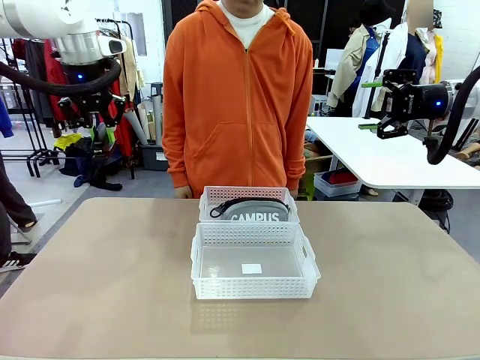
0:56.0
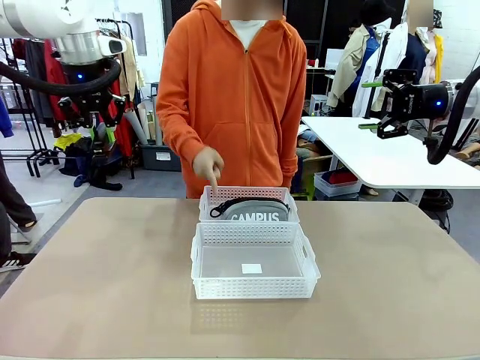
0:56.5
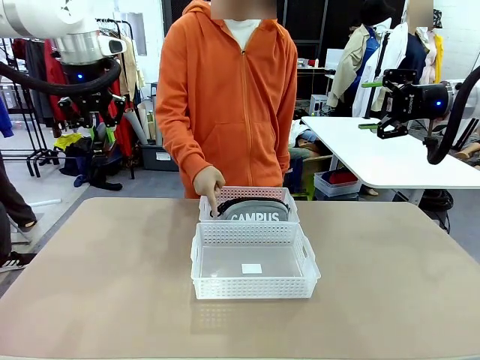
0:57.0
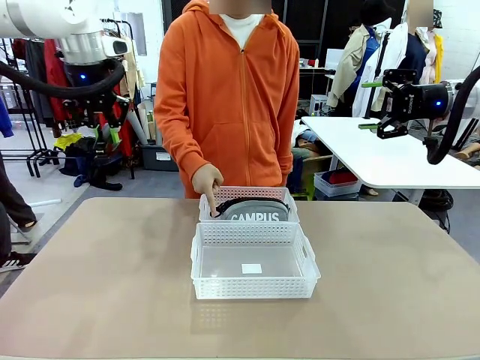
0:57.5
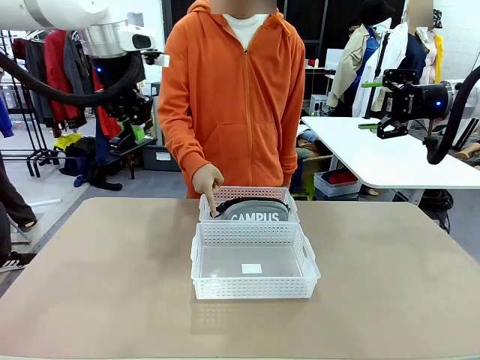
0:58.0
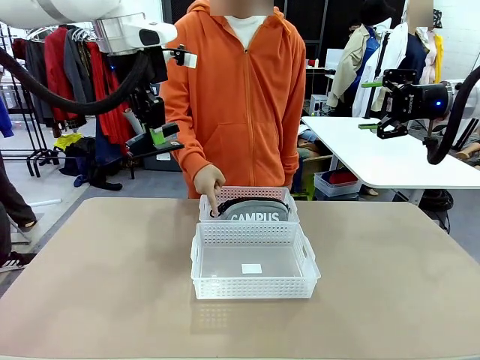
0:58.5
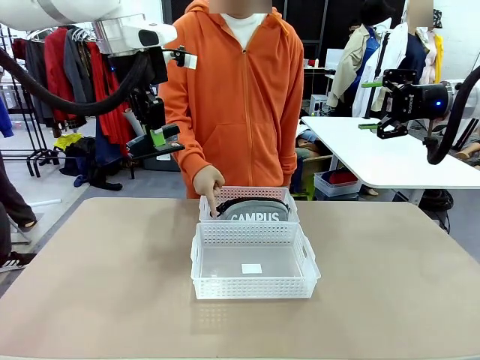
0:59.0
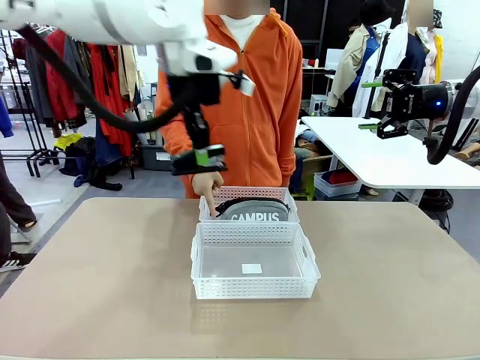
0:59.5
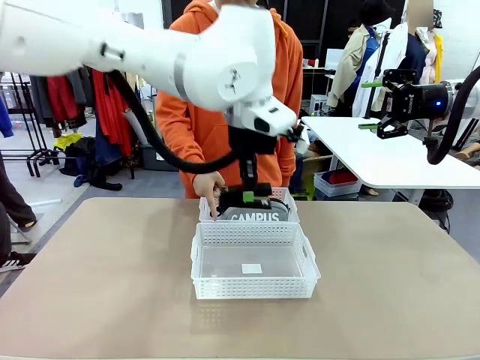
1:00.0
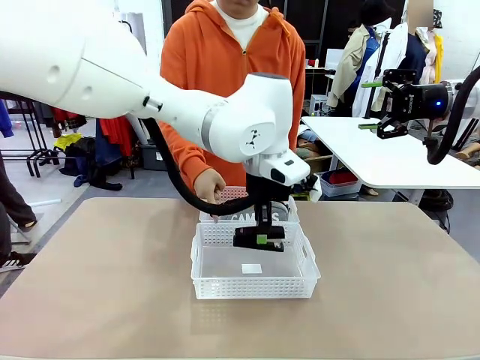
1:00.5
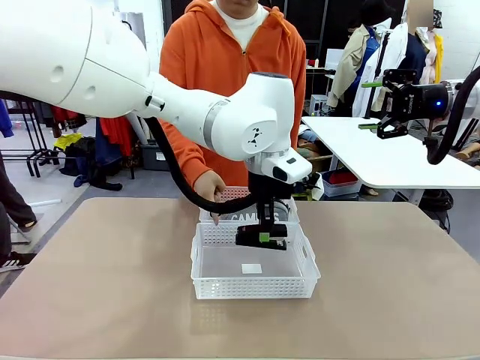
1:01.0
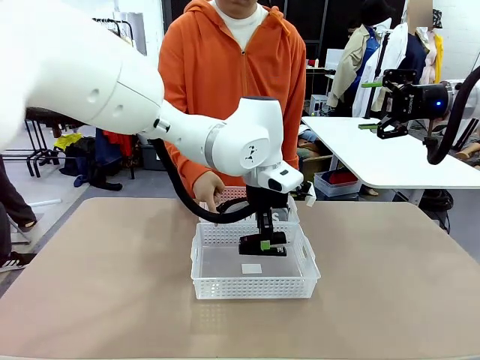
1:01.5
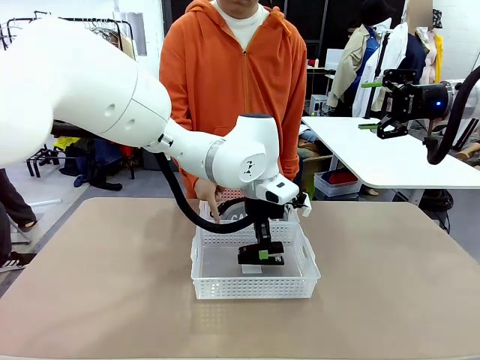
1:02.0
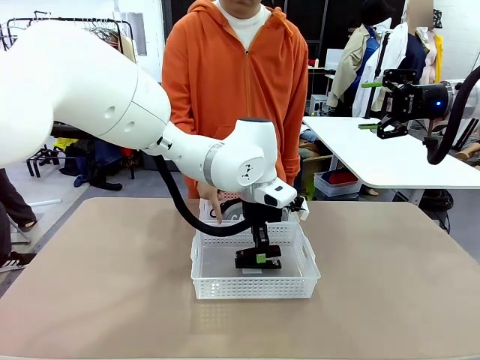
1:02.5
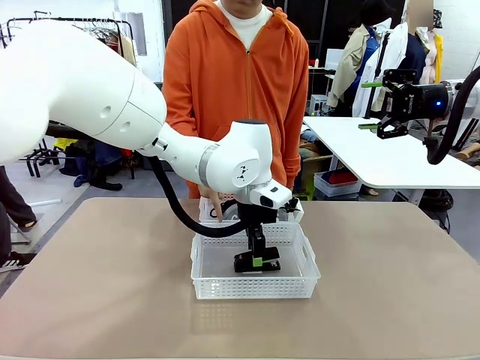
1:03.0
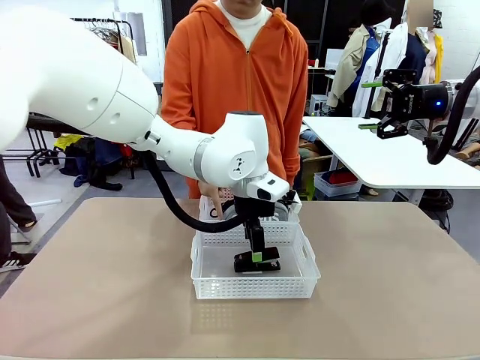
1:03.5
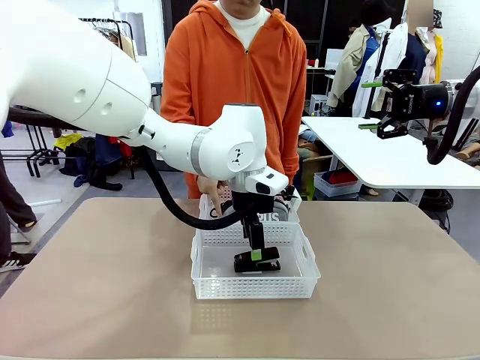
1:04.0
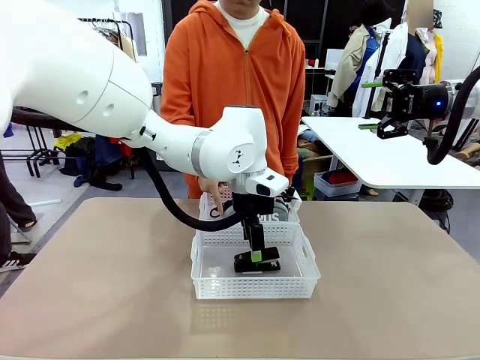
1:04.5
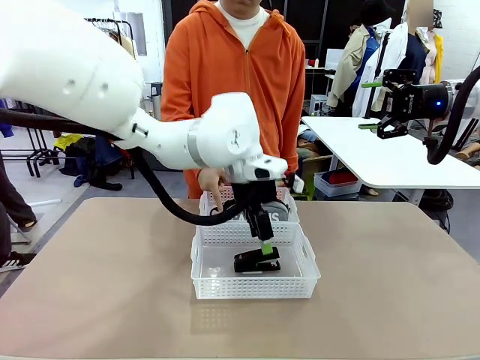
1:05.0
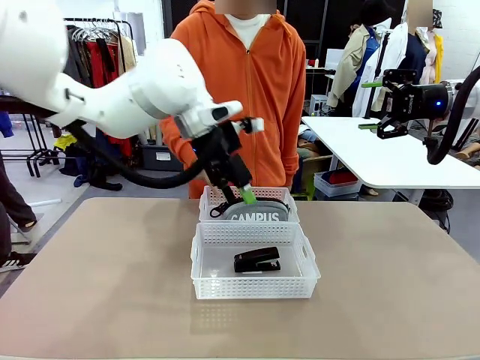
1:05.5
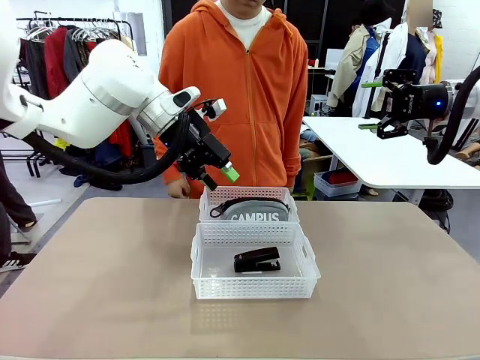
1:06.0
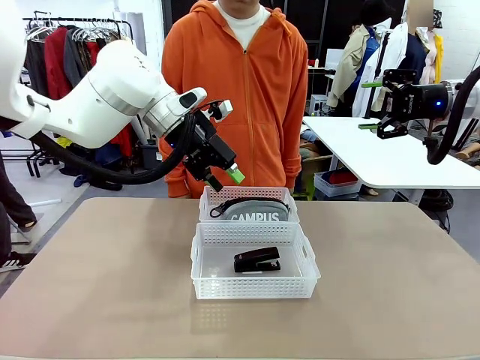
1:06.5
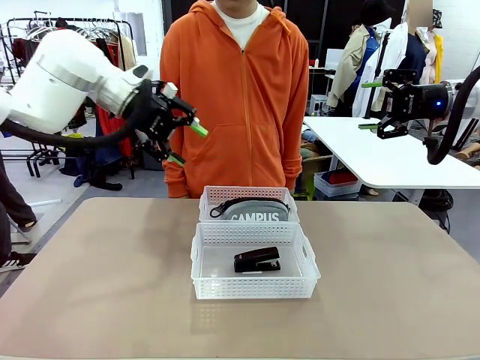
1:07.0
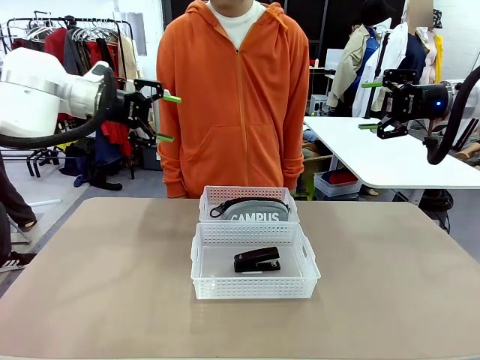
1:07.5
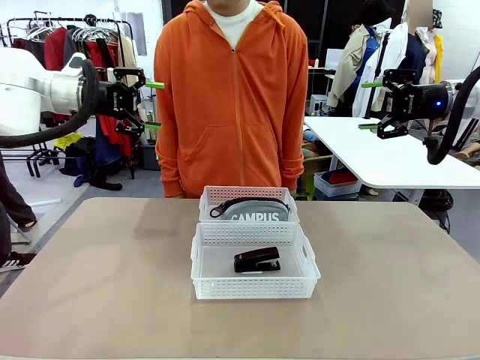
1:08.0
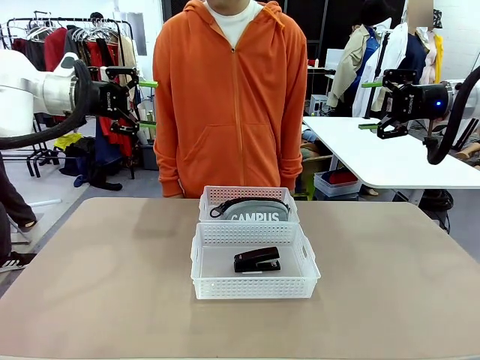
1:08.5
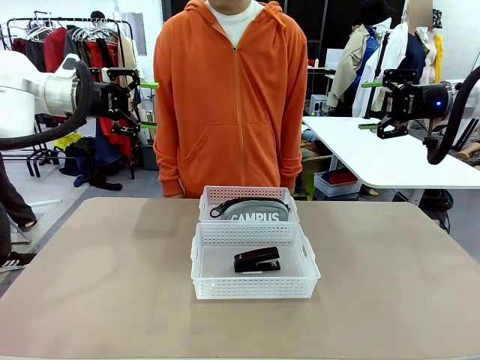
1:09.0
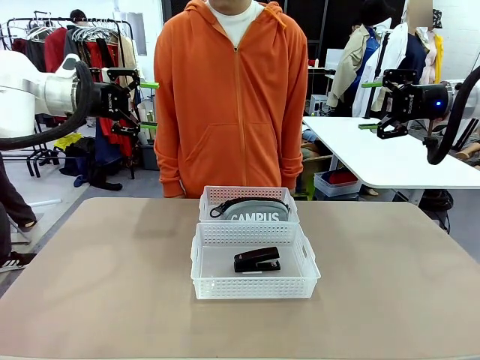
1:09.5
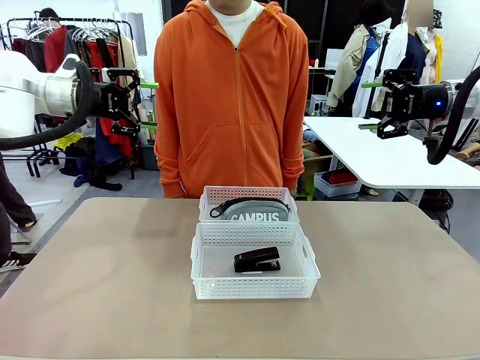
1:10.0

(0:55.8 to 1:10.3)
Task: Distribute items into two baskets.
Robot: Place the picked Stapler into the Organizing basket as instructed by the person.
Person: Points to the basket that does not contain the pencil case and instructs the robot to move the stapler there.

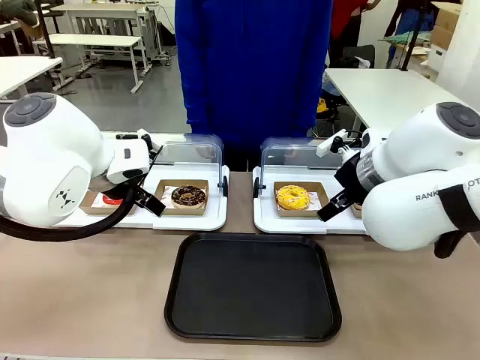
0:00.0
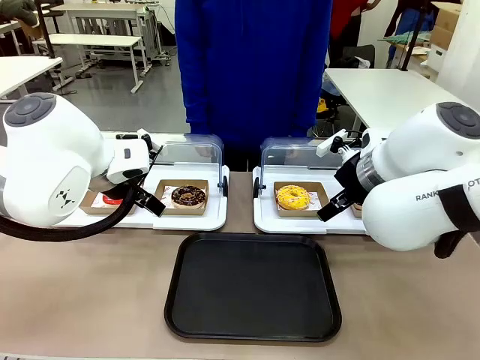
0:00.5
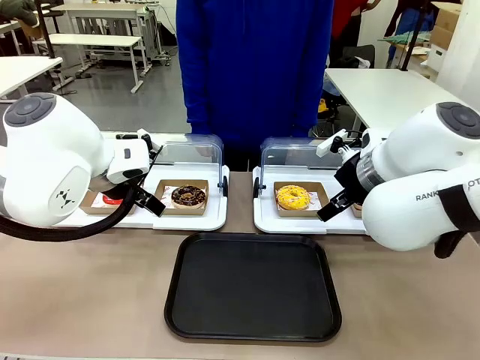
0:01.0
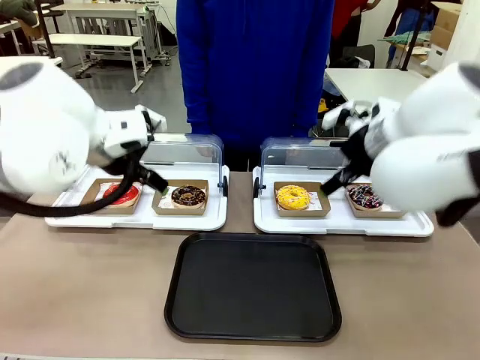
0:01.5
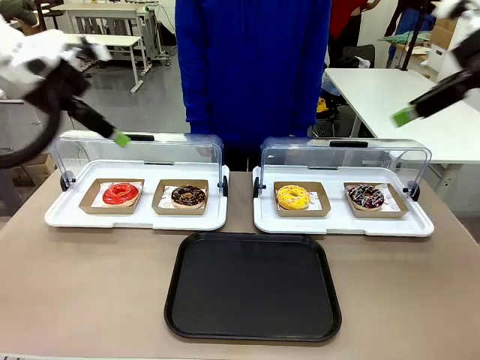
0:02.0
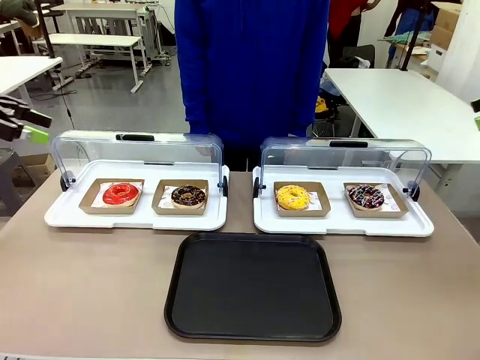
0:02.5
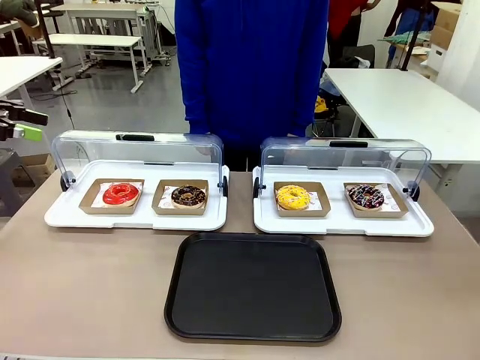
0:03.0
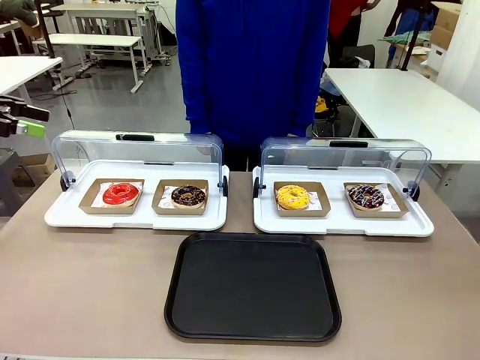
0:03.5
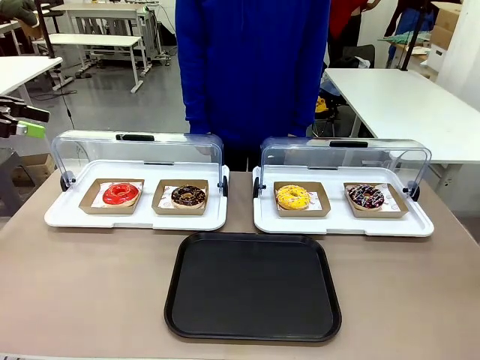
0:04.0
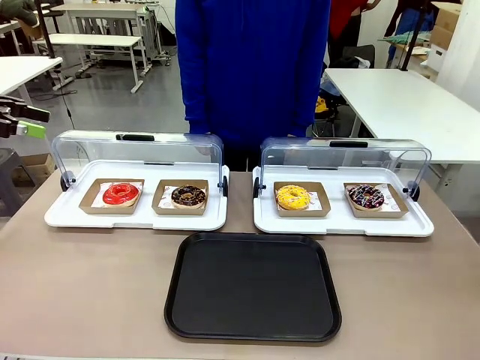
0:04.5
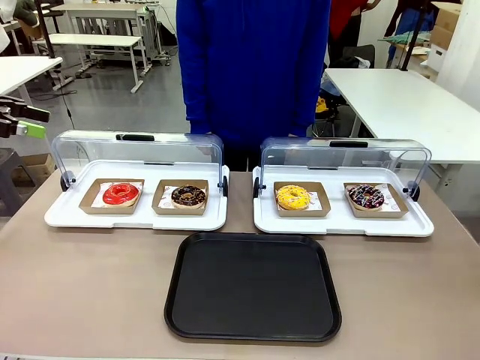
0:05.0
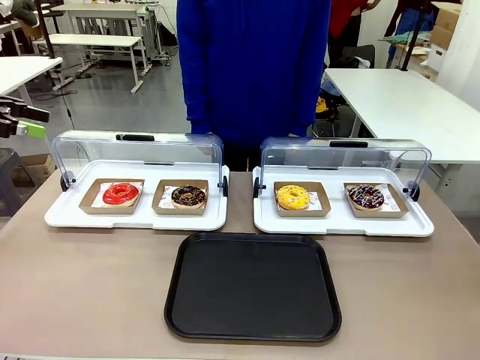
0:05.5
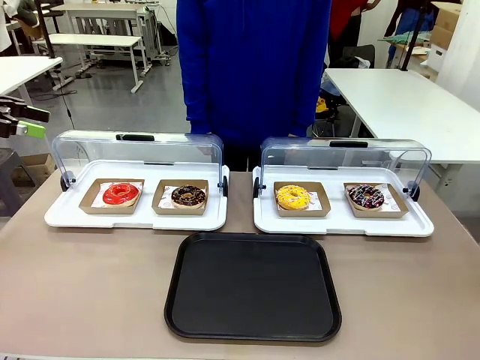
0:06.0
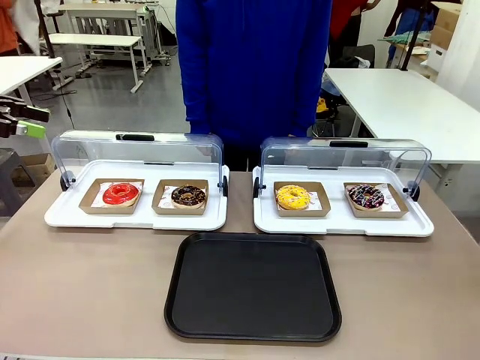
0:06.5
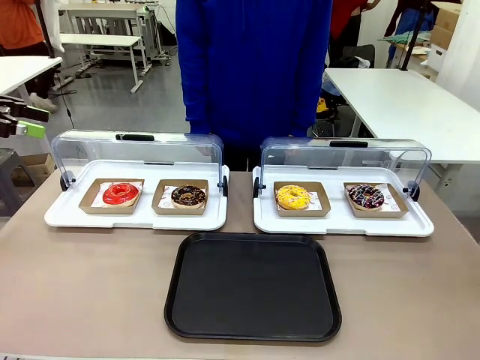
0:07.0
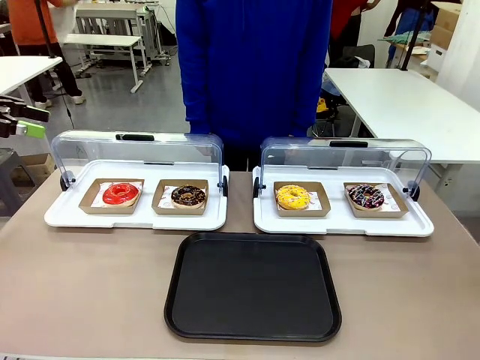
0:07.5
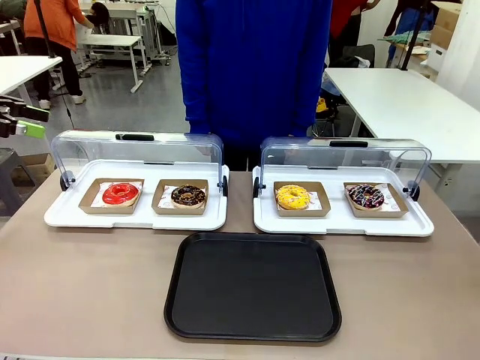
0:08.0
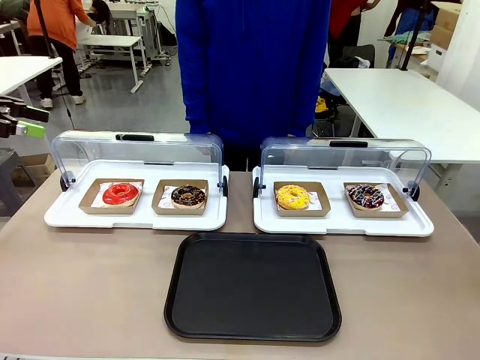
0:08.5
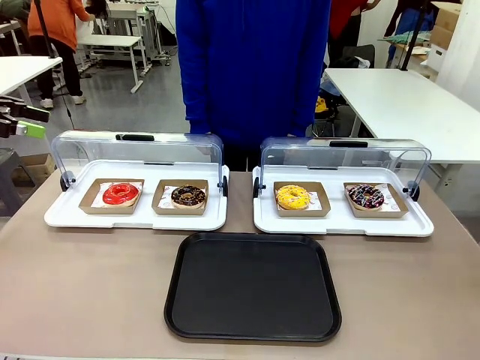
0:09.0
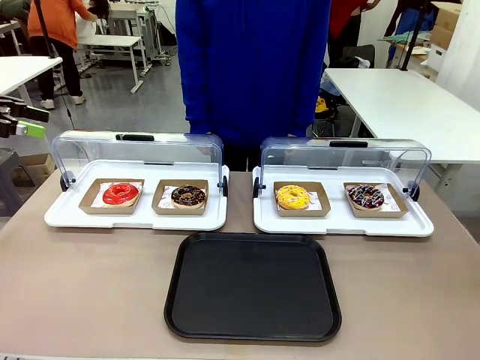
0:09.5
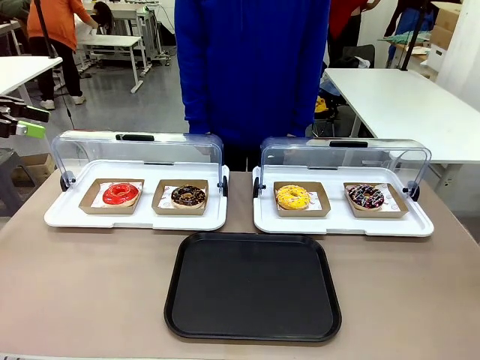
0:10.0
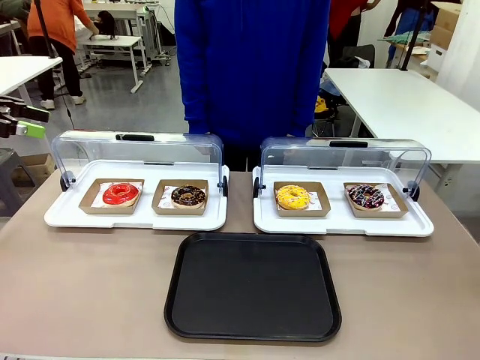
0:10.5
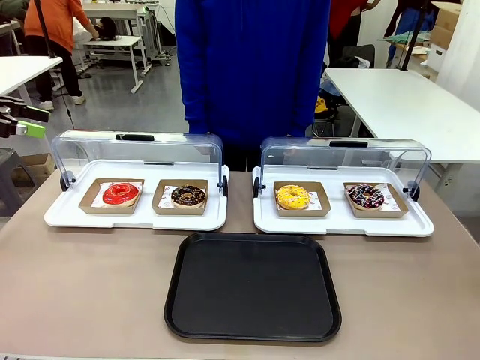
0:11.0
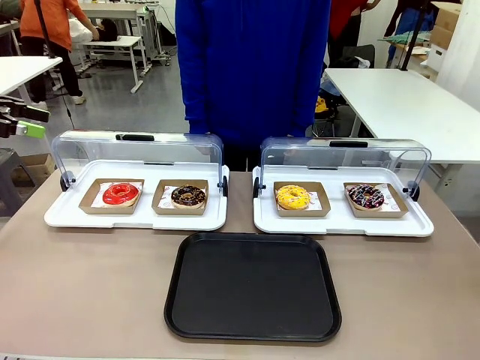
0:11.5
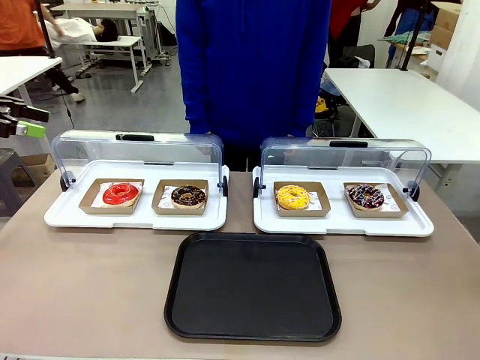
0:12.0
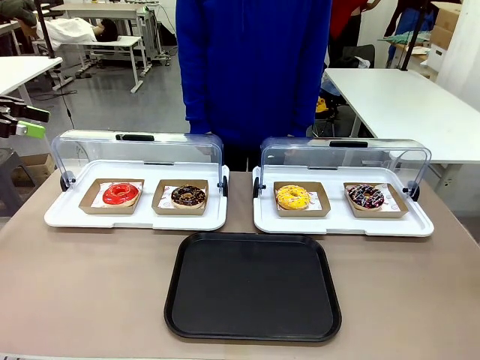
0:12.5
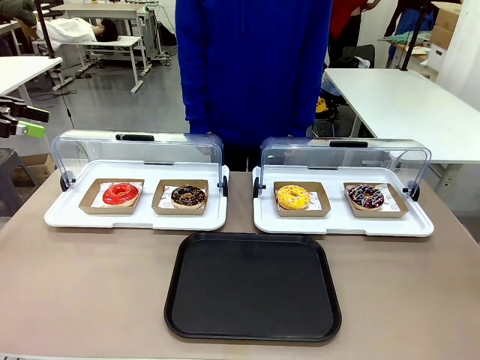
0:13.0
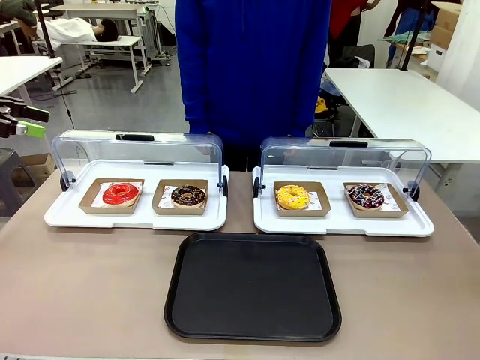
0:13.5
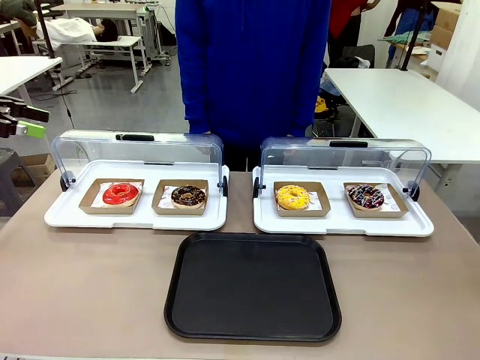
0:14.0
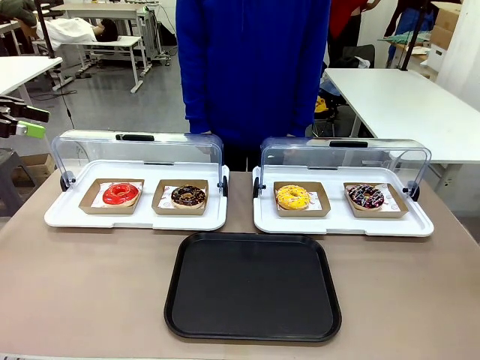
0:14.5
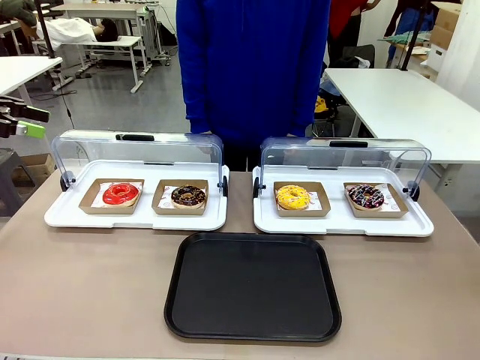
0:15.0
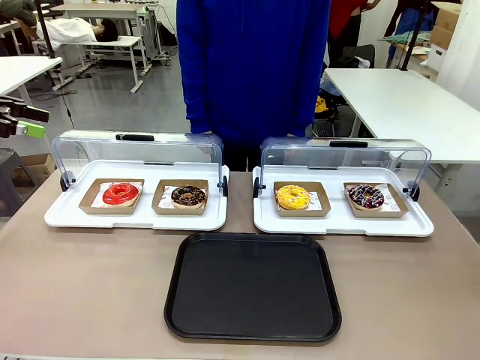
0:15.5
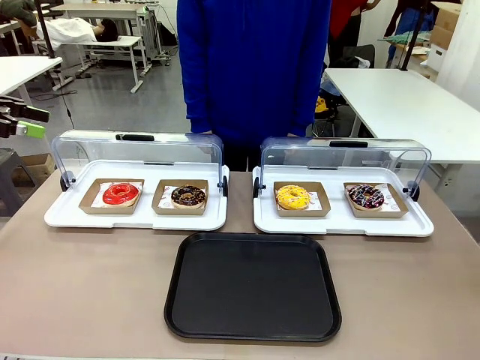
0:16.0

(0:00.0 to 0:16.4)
Task: Move the first donut from the left to the tray.
Robot: Pick up the Paper togo box containing the Donut indicated by the person and place it on the Handle tray.
